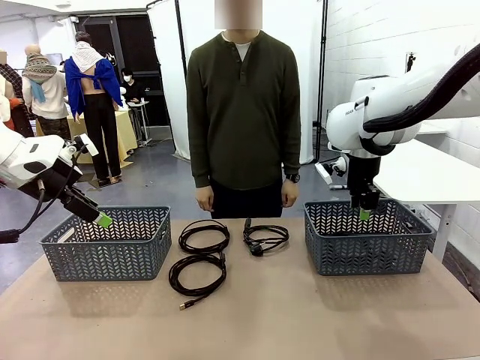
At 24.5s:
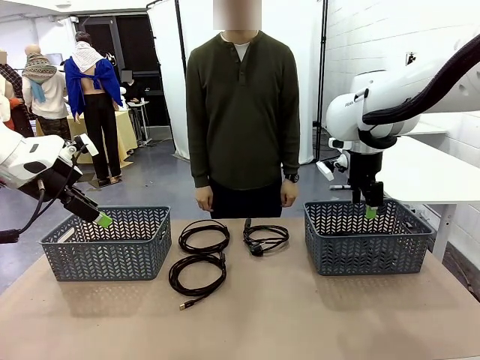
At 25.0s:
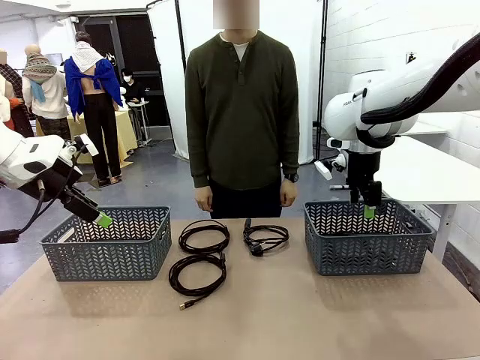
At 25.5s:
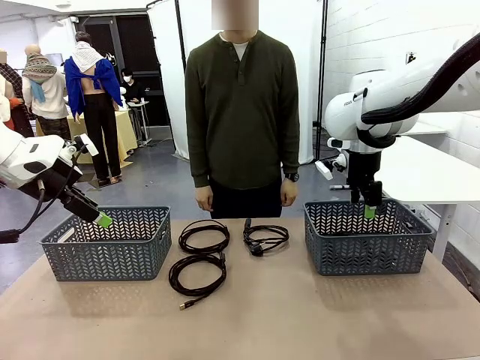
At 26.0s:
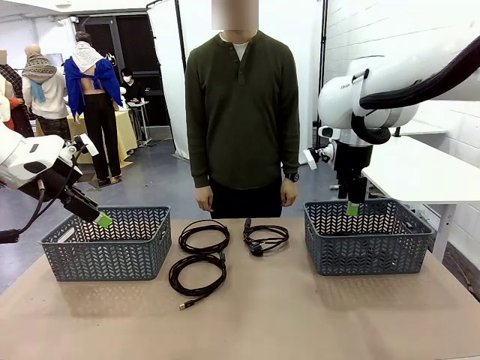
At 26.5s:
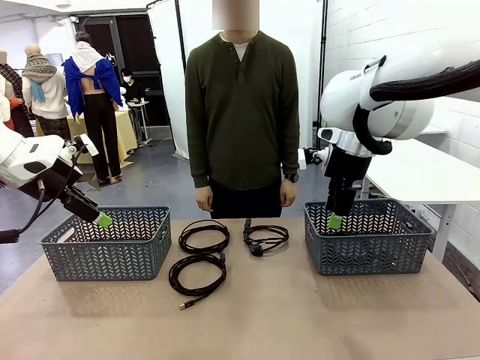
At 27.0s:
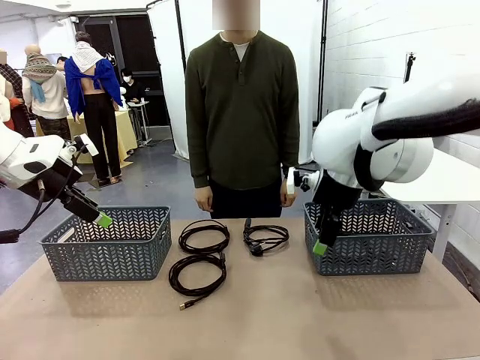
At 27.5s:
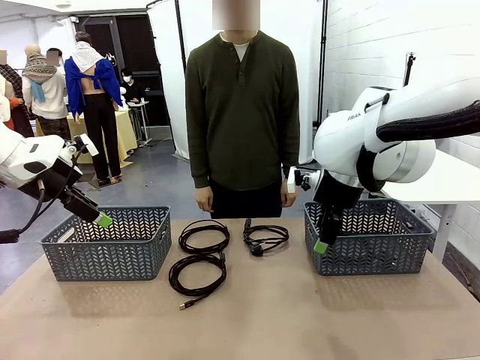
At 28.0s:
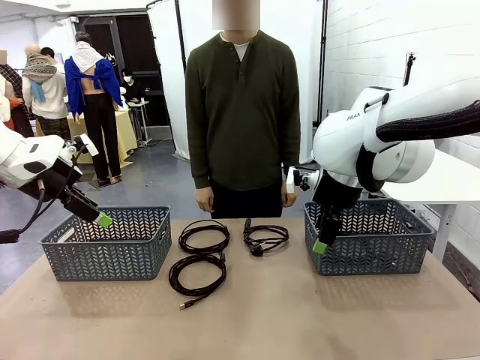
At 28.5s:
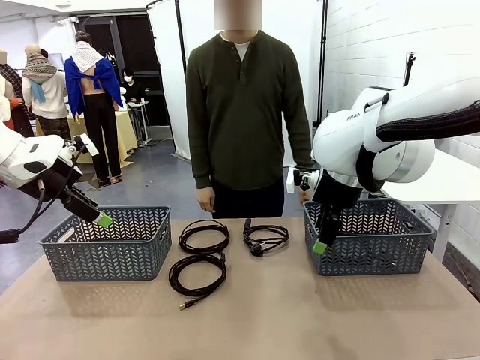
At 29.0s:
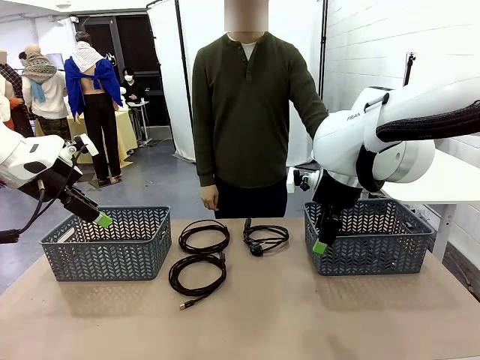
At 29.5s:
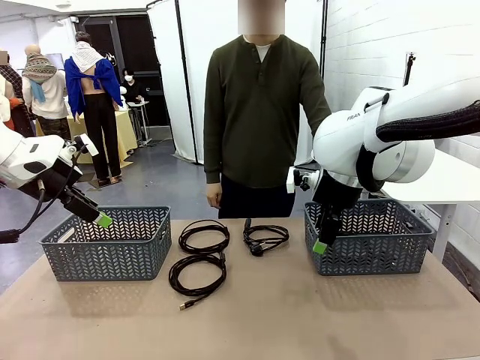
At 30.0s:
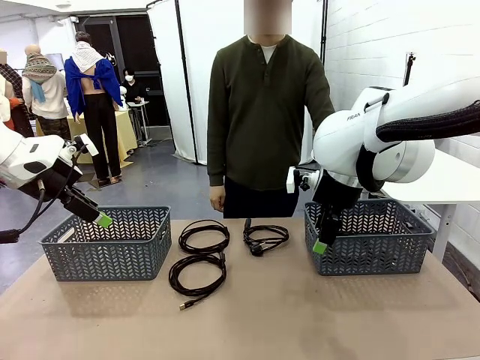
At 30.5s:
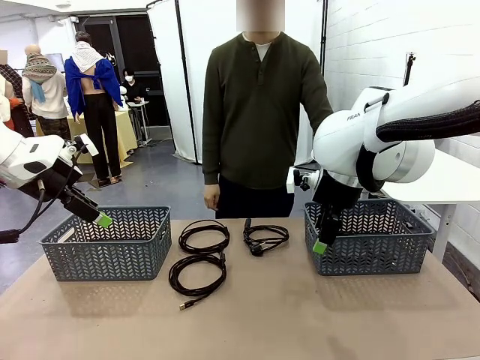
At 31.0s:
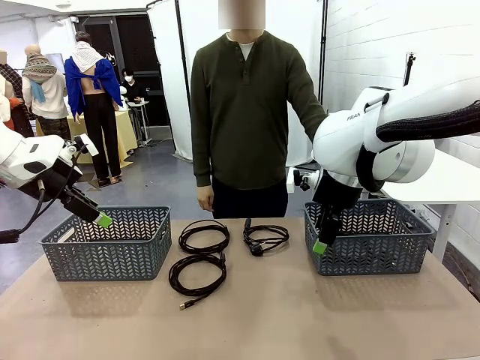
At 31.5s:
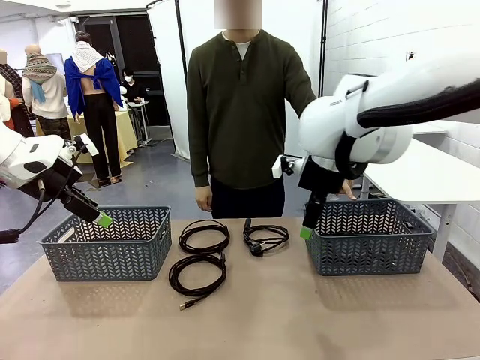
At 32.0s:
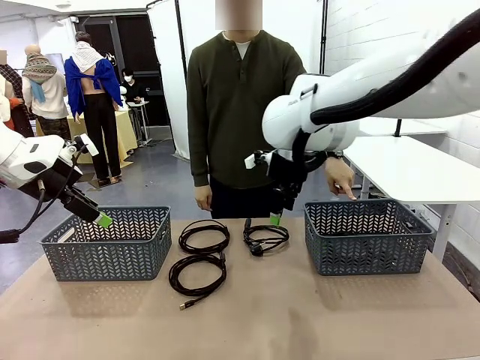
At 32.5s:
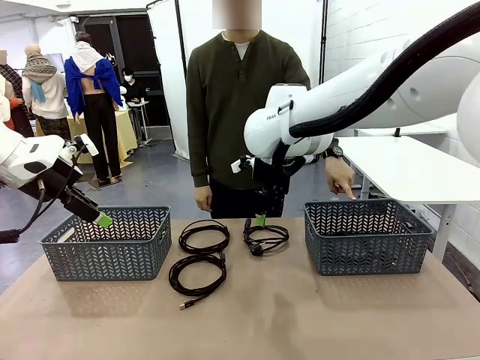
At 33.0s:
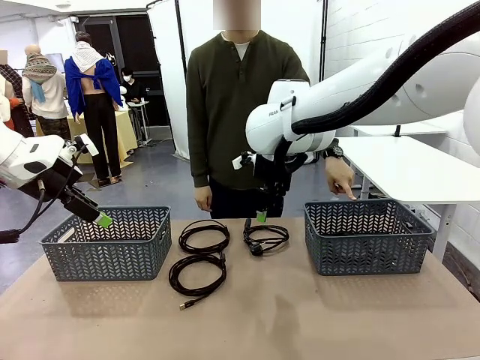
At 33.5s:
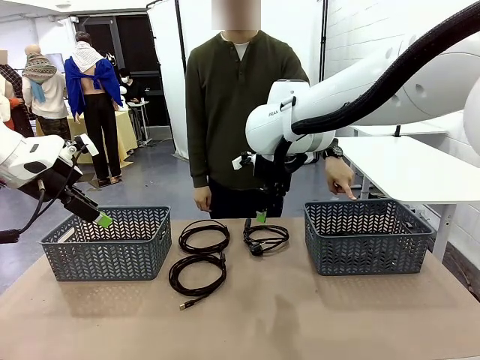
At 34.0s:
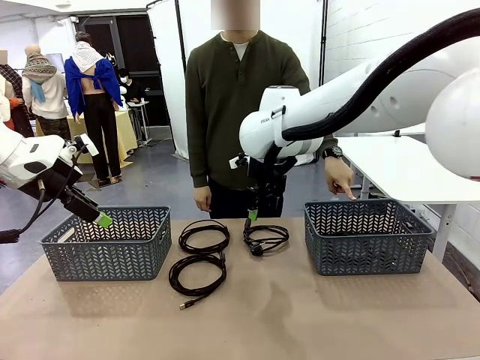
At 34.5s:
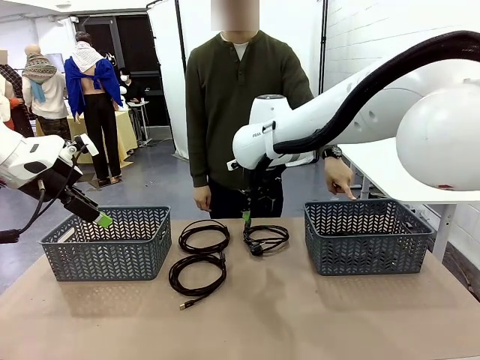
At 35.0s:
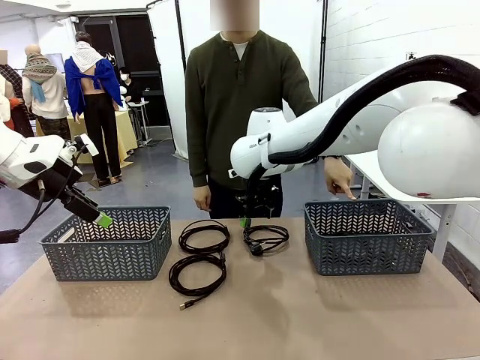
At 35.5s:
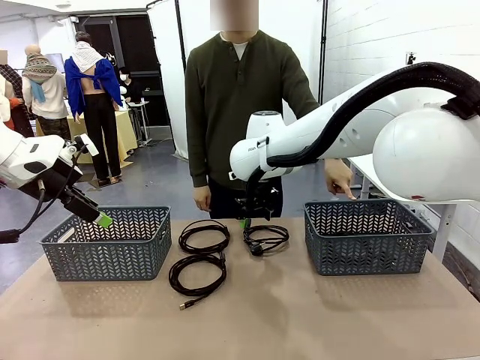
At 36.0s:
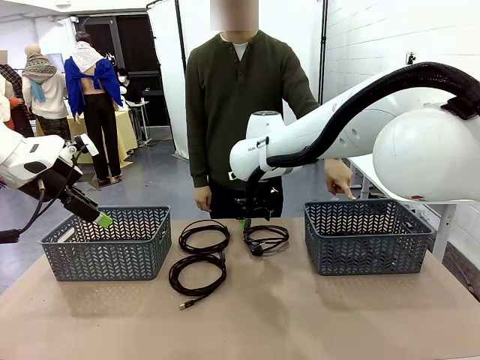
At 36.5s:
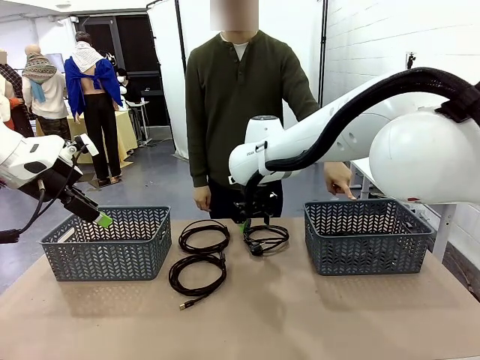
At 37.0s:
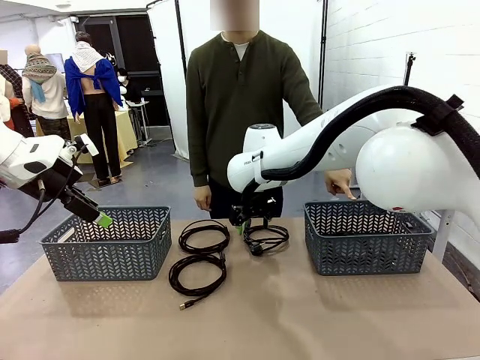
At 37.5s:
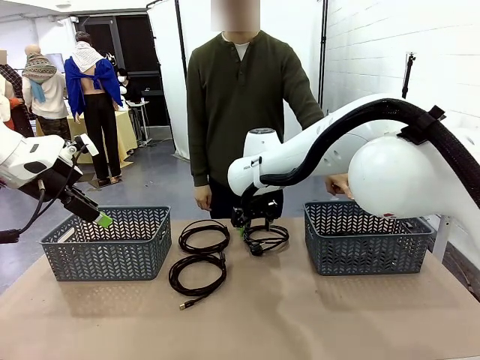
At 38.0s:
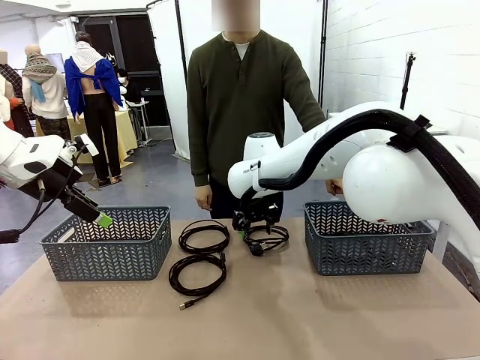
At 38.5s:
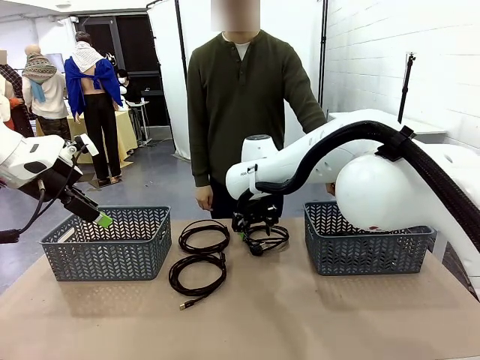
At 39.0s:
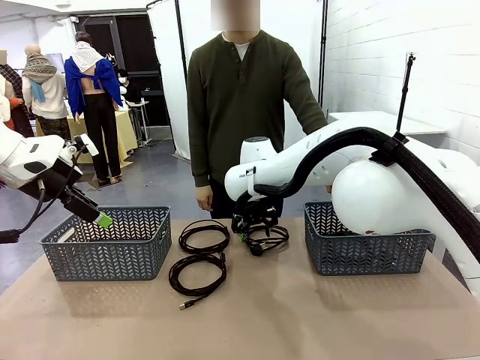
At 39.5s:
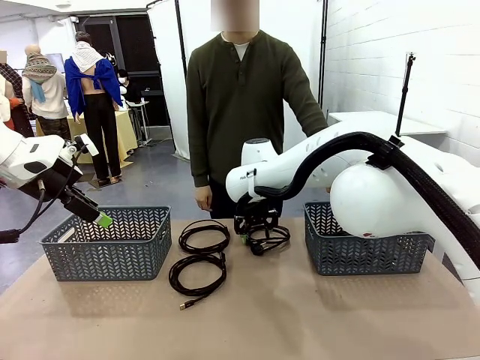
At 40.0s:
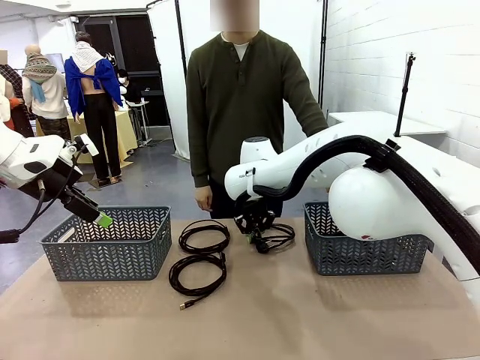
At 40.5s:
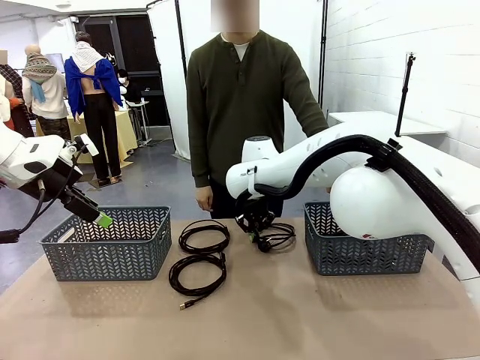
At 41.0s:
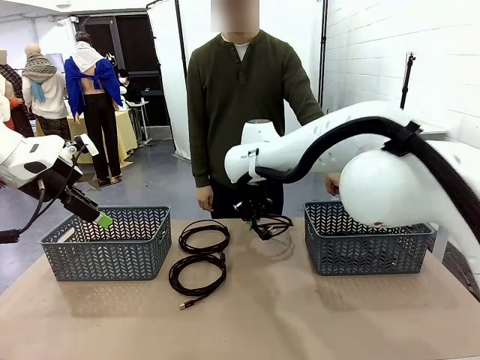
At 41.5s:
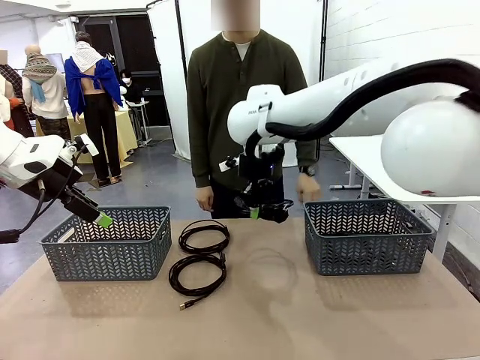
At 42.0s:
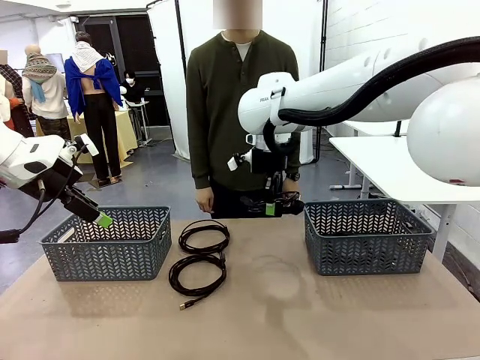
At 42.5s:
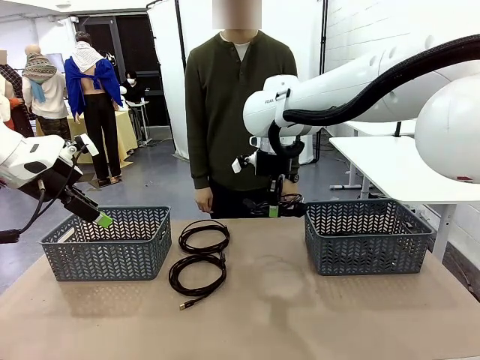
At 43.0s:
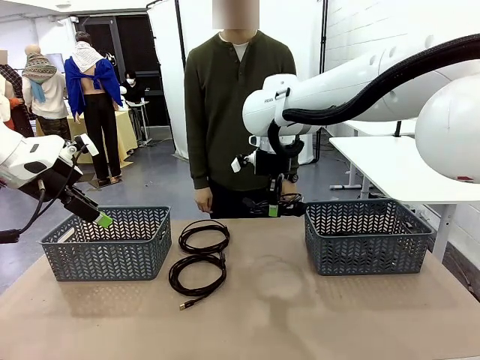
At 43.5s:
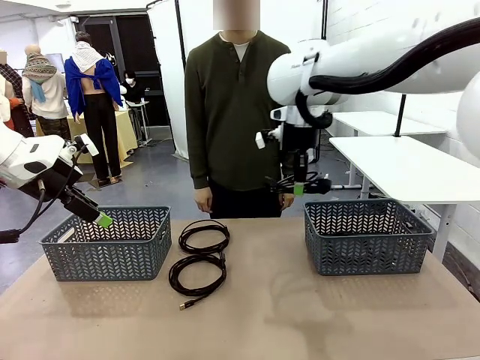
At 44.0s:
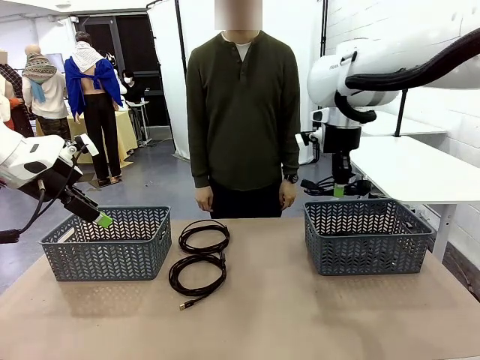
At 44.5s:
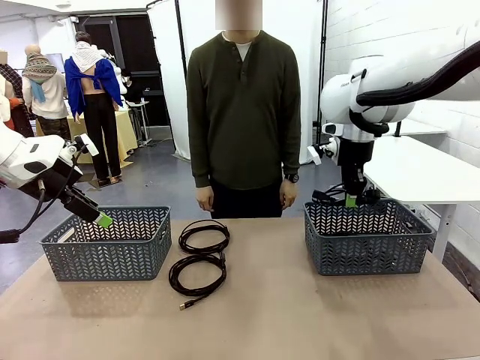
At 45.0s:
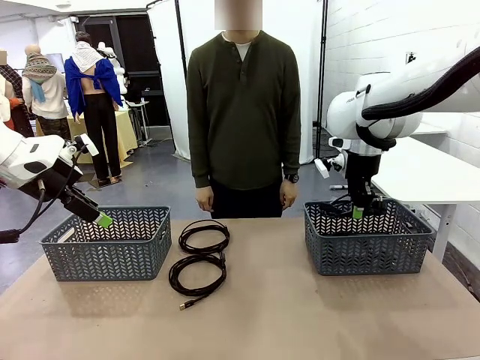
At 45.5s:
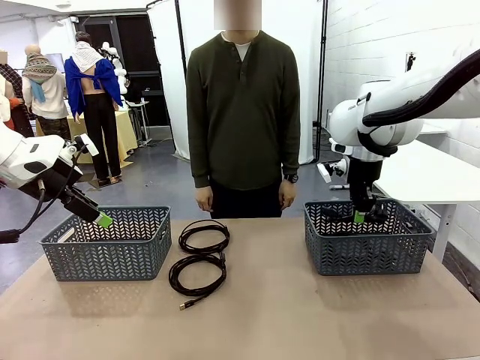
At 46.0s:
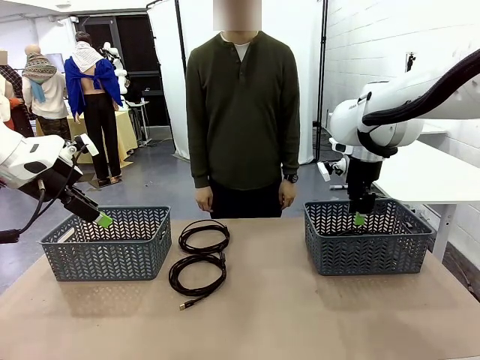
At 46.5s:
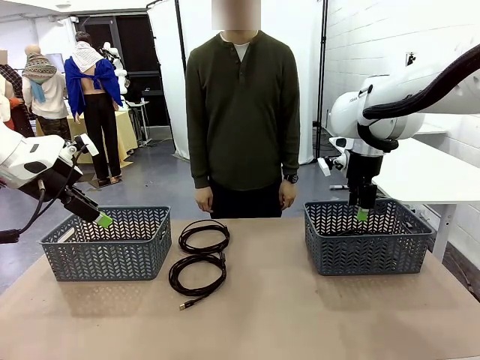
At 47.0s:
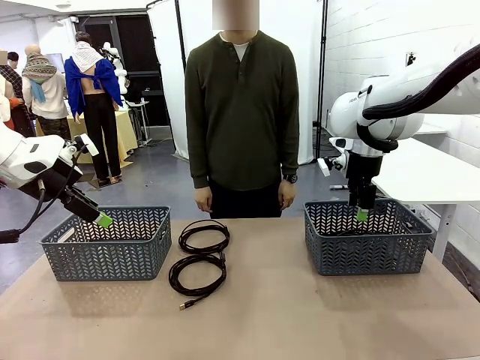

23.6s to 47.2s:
Task: Organize the cables according to human instructions.
Robot: Pick up a bundle of cables and place it in the basket indicated by the human.

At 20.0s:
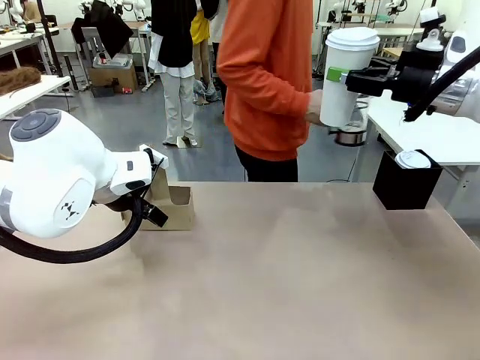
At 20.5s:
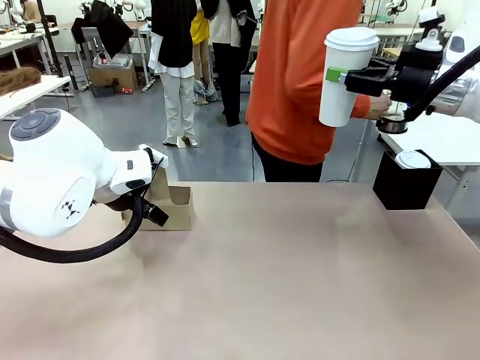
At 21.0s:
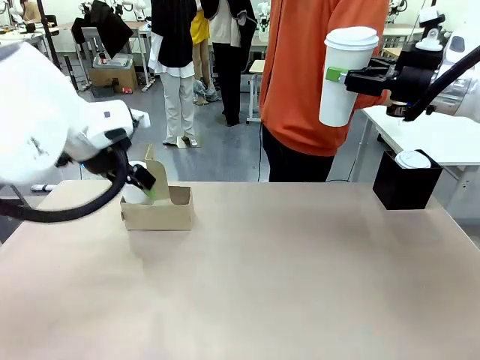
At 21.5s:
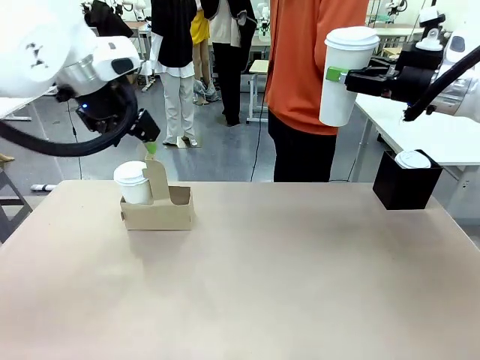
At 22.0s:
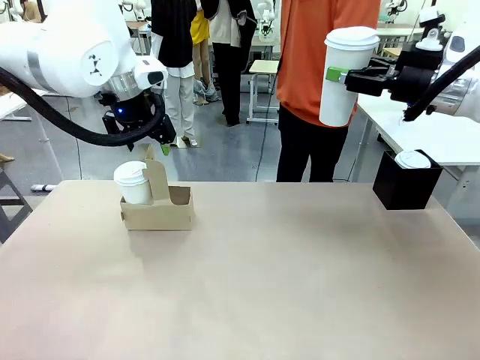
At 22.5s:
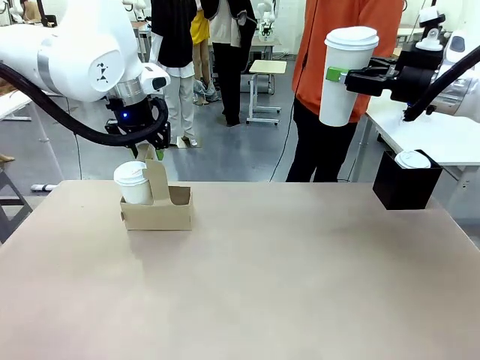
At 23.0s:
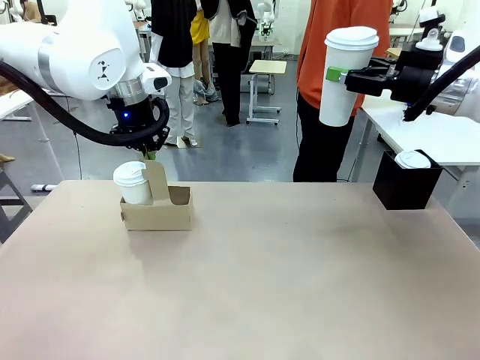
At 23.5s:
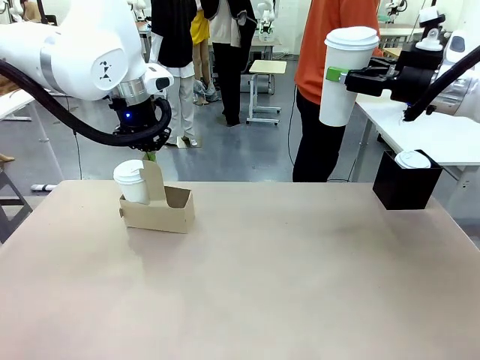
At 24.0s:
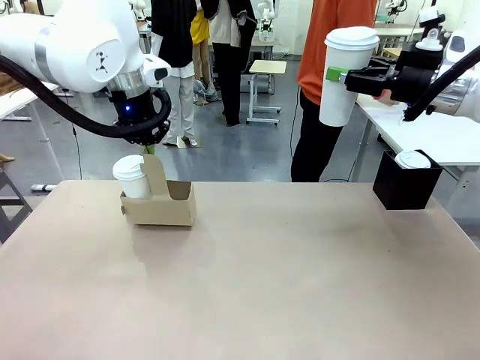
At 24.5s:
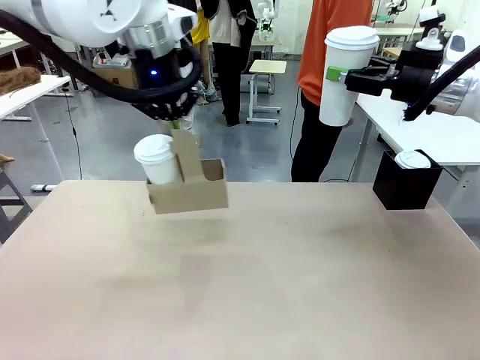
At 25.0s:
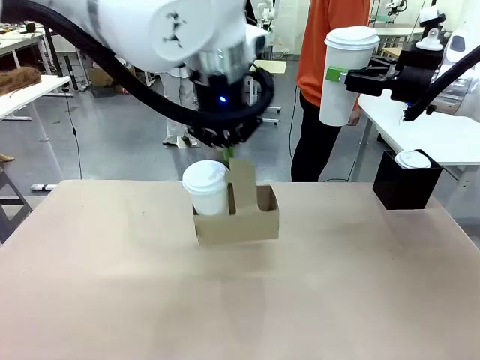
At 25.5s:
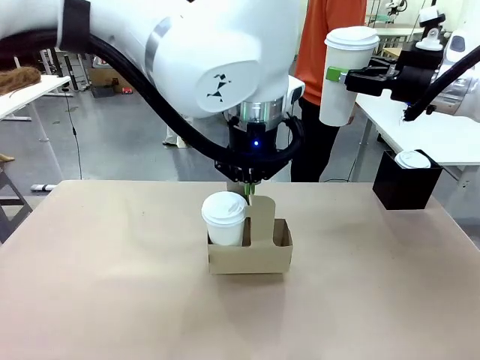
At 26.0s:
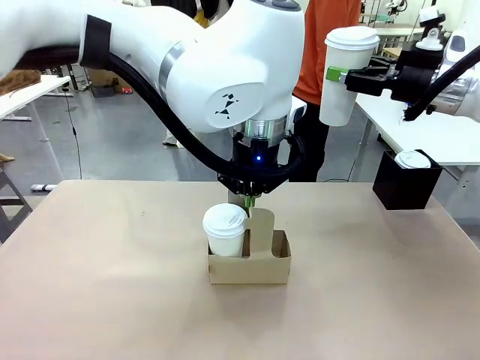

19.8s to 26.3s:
Task: Pour a drink into a cup and package it in a carrier.
Robot: Position the Cup Carrier in the center of the table.
